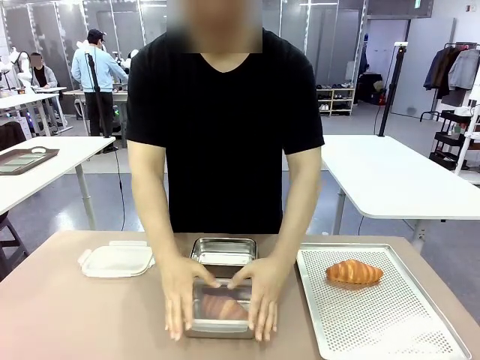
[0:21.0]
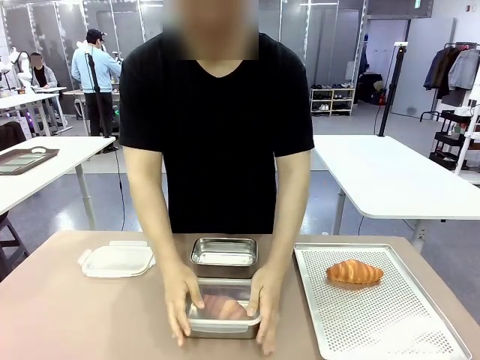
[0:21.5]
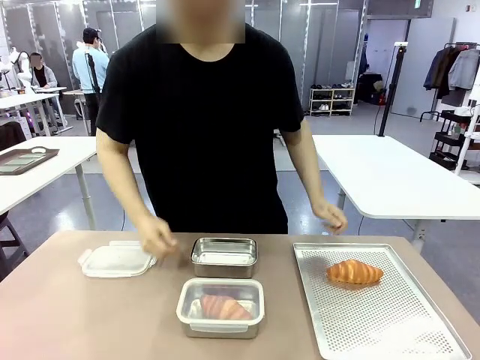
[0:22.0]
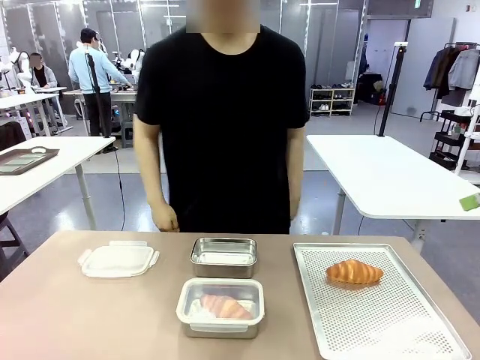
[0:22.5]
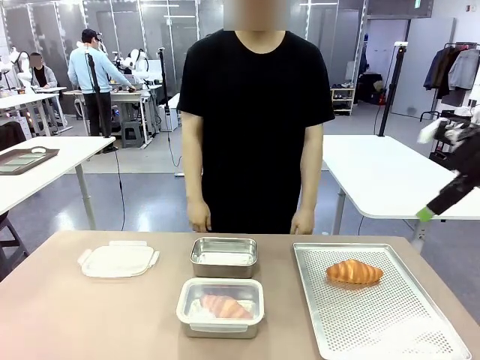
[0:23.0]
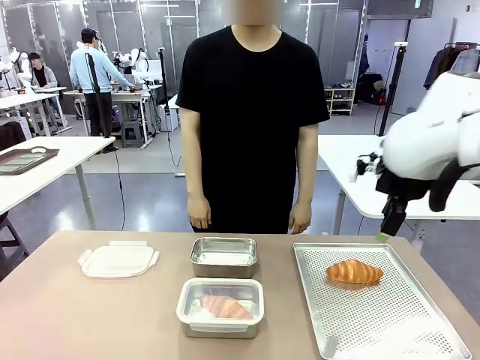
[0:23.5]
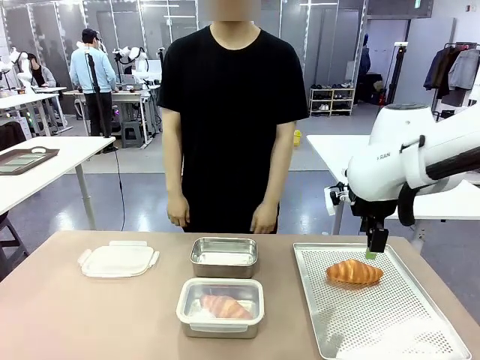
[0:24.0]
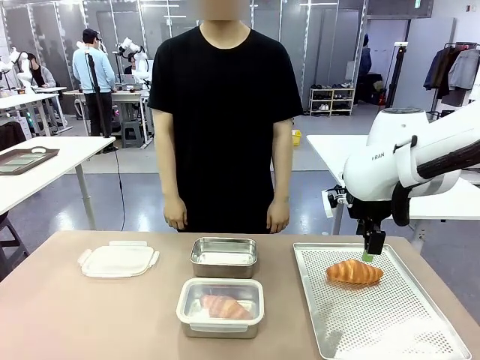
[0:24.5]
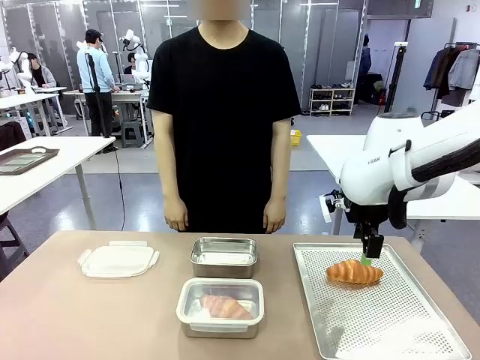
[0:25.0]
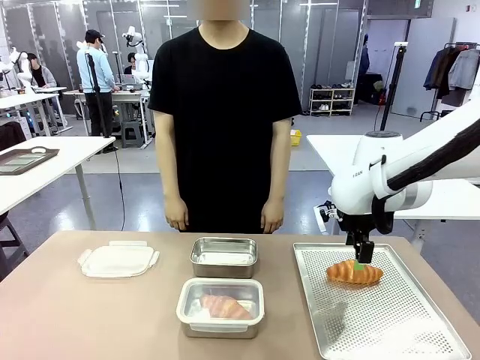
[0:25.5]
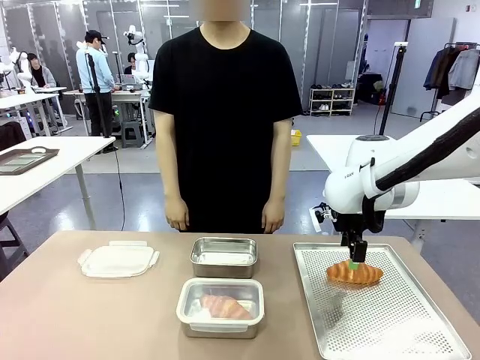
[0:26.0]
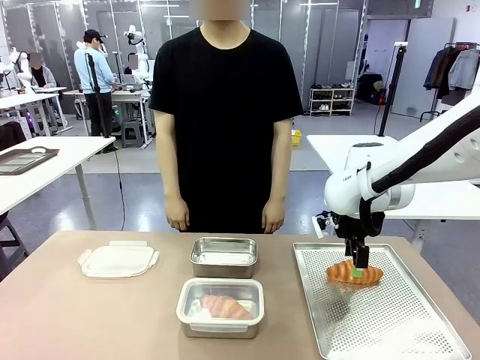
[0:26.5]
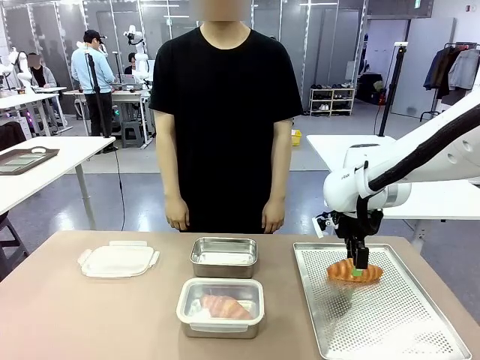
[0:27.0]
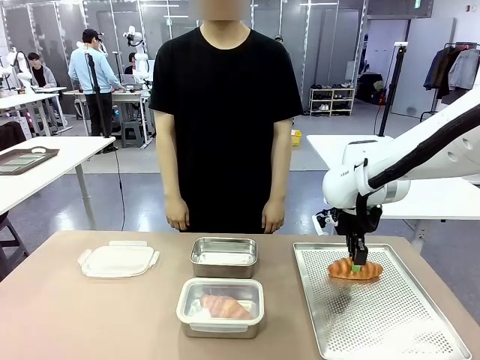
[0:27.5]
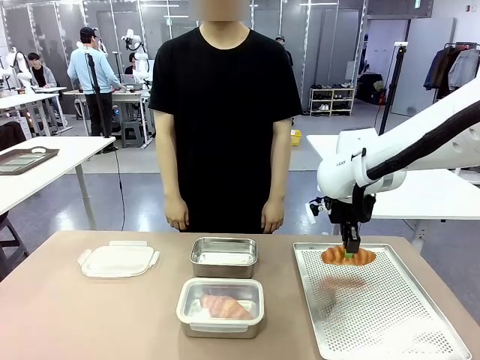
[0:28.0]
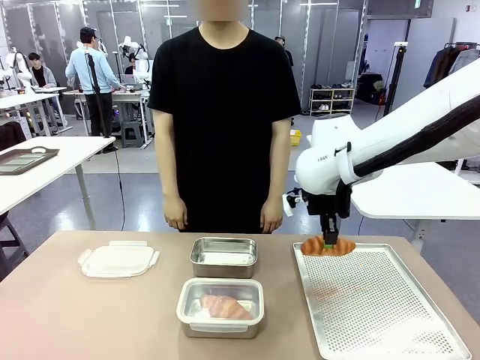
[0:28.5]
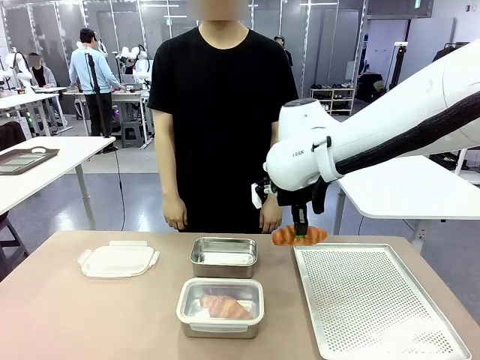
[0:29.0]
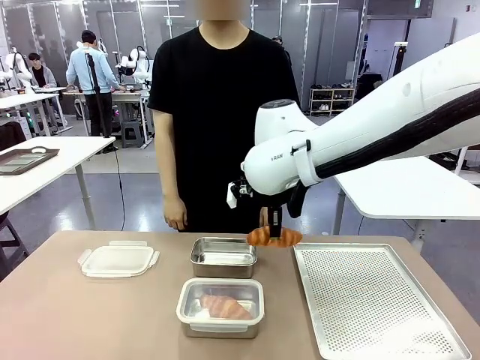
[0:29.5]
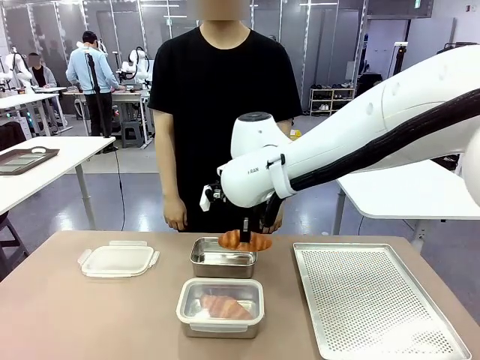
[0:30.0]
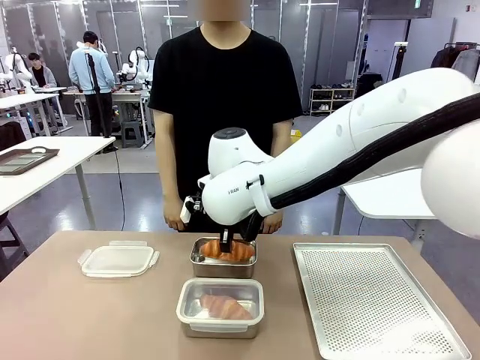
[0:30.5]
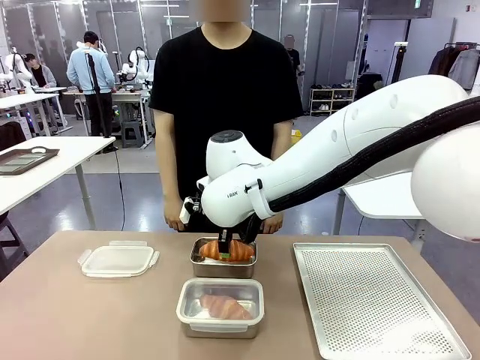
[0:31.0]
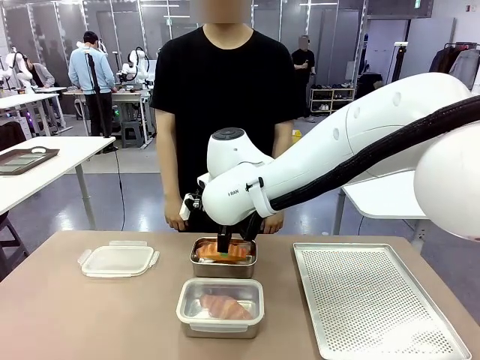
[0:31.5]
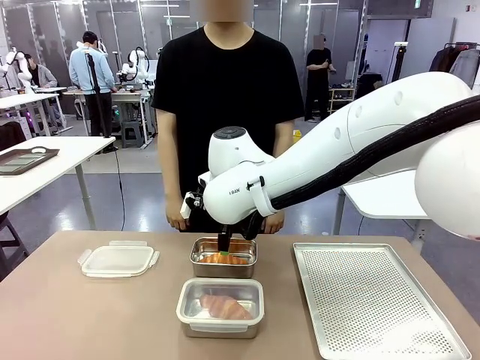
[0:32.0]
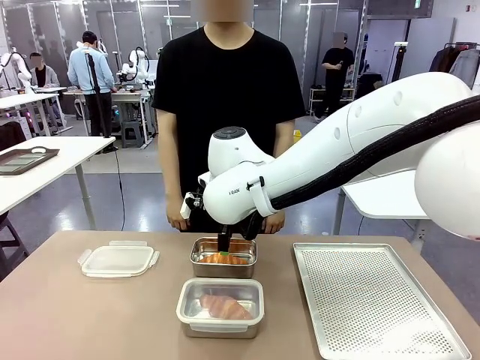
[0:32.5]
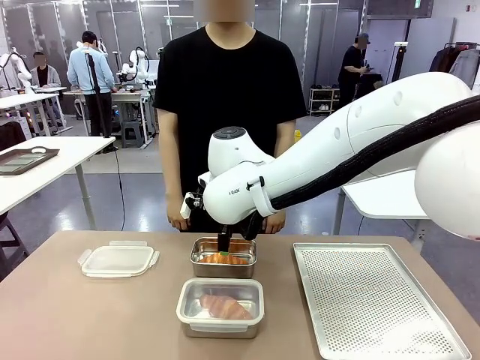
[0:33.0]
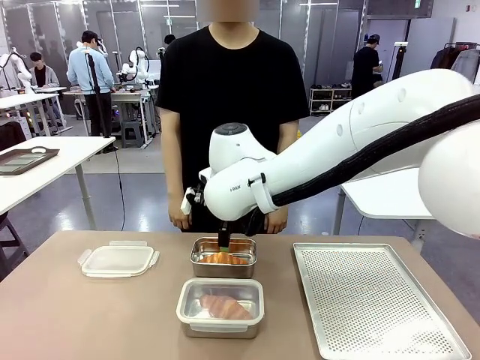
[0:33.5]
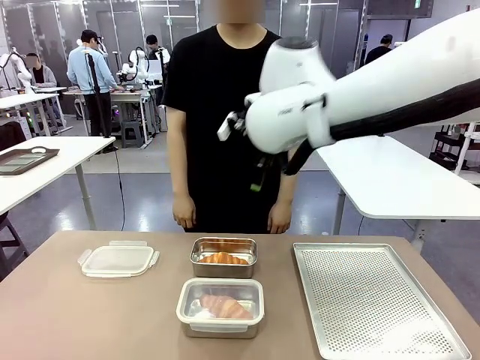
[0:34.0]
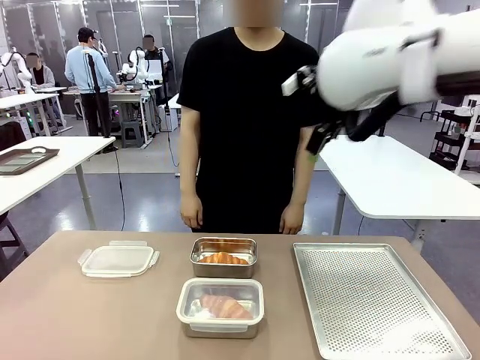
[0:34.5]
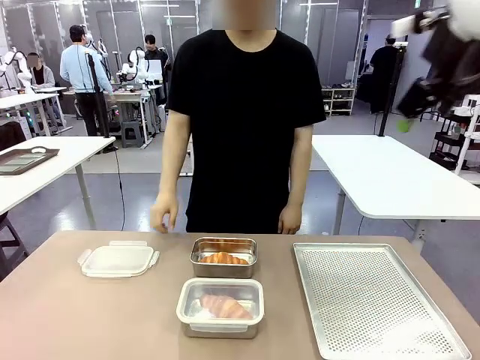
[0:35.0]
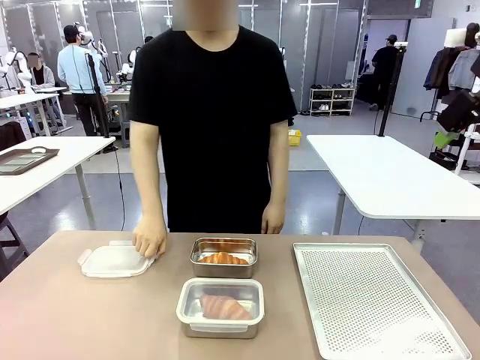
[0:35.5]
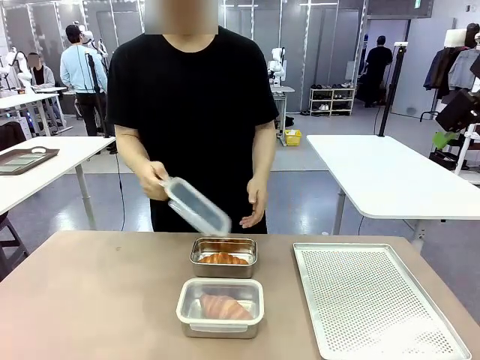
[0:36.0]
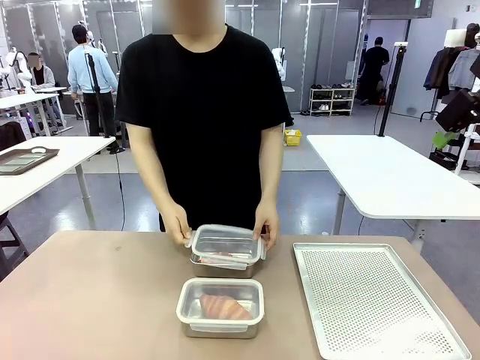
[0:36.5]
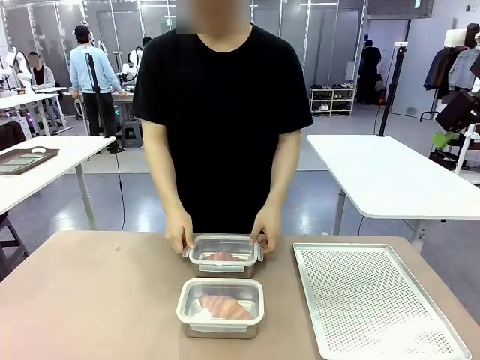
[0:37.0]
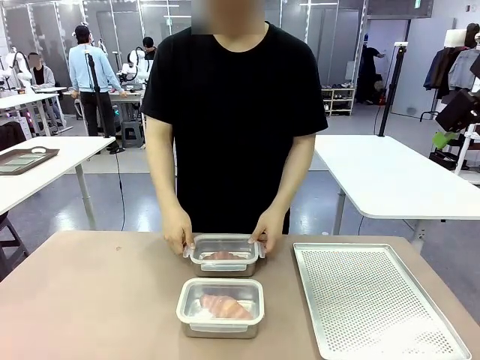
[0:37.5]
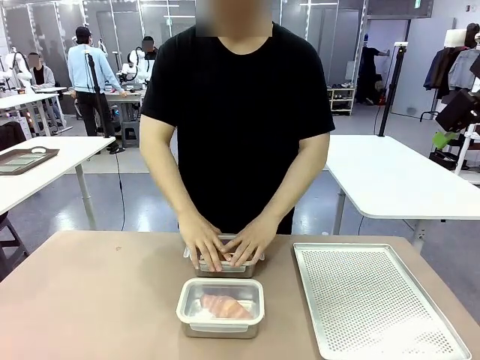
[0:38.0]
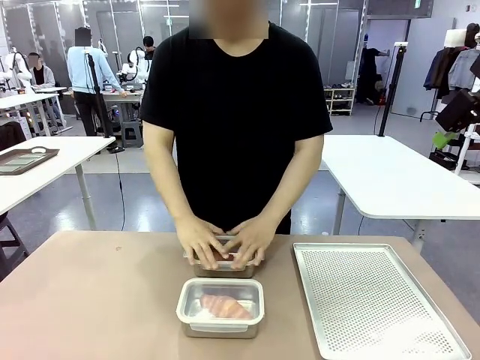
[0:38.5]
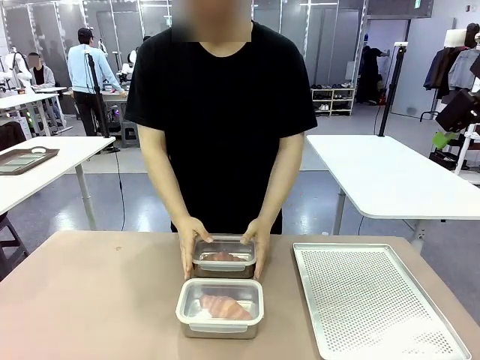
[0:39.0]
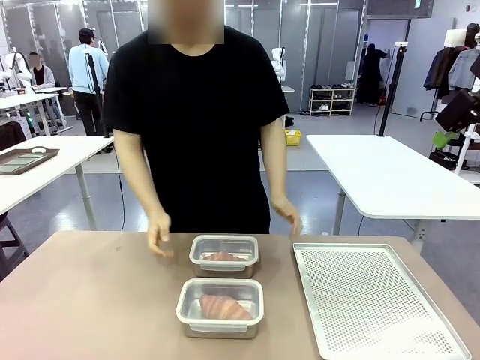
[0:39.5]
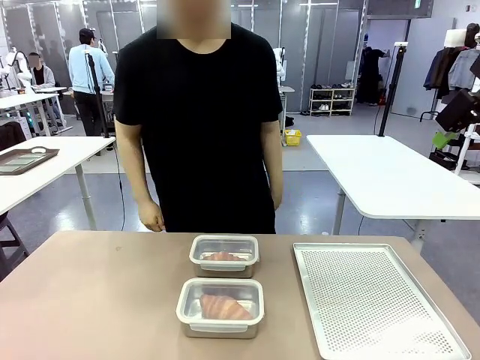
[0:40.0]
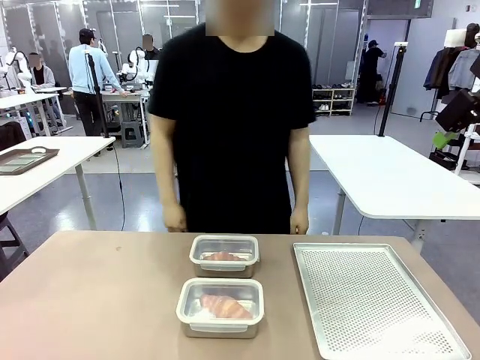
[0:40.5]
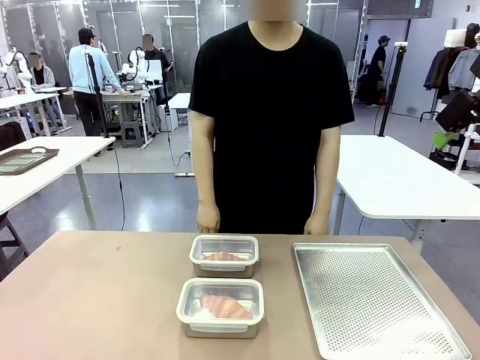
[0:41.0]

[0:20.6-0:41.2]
Task: Place the bread into the airtight container.
Robot: Pick up a Butter Roll and place it into an empty Airtight Container.
